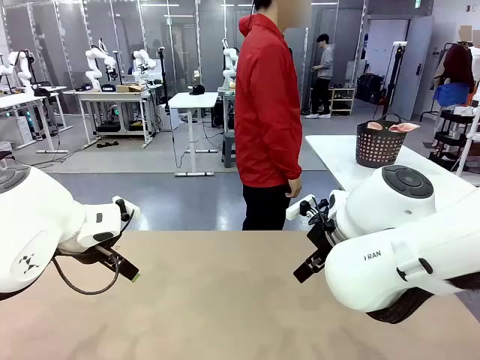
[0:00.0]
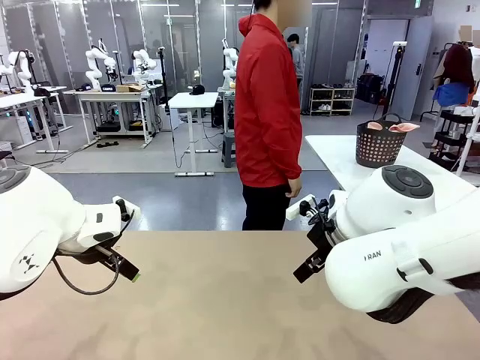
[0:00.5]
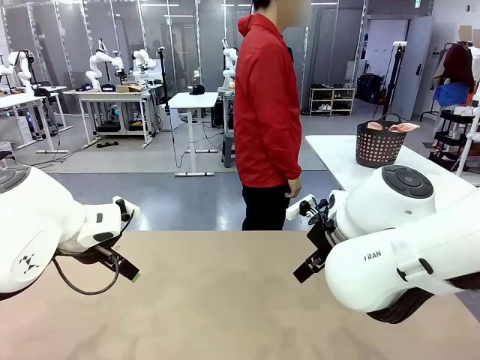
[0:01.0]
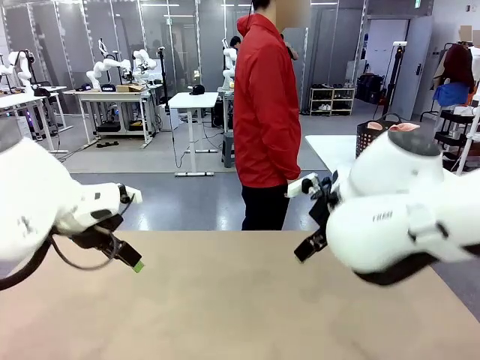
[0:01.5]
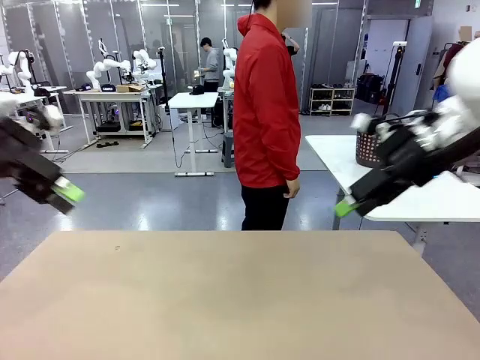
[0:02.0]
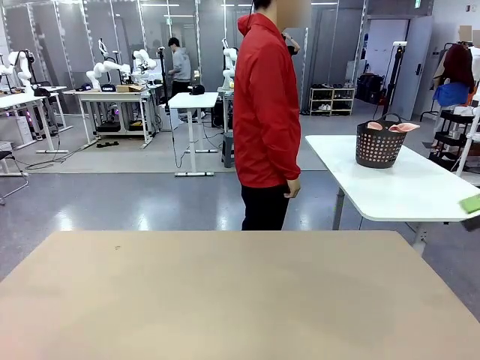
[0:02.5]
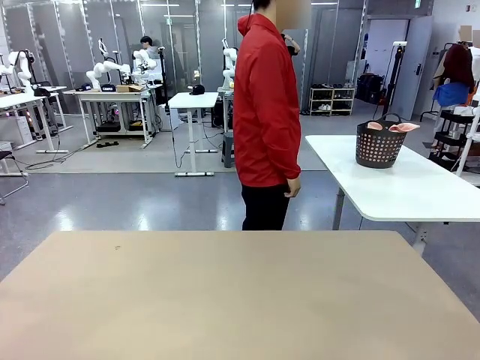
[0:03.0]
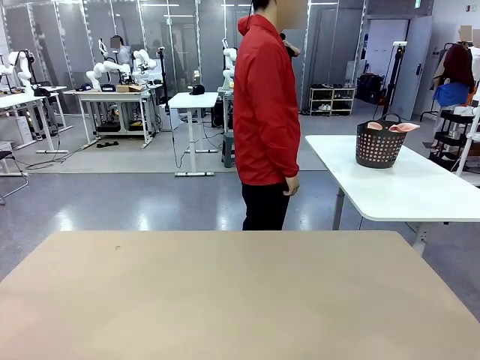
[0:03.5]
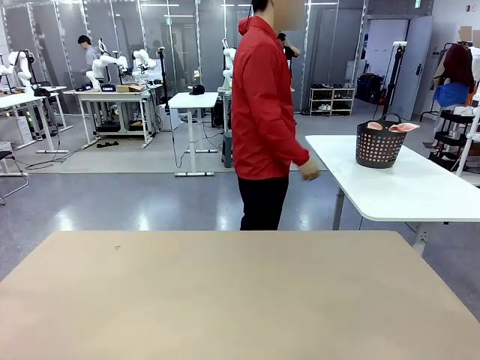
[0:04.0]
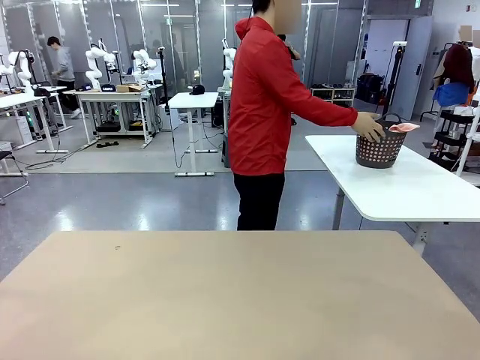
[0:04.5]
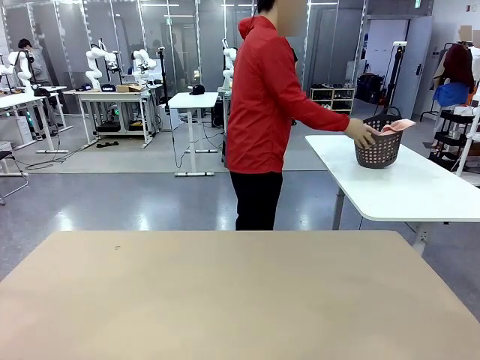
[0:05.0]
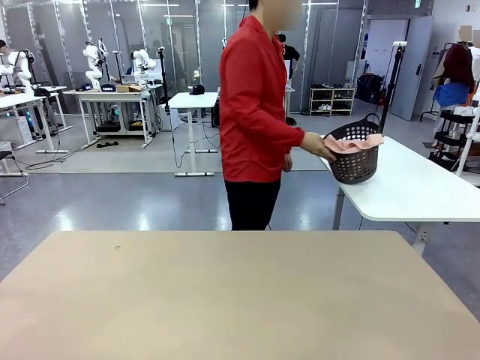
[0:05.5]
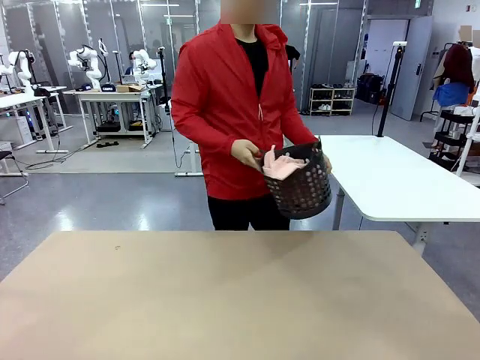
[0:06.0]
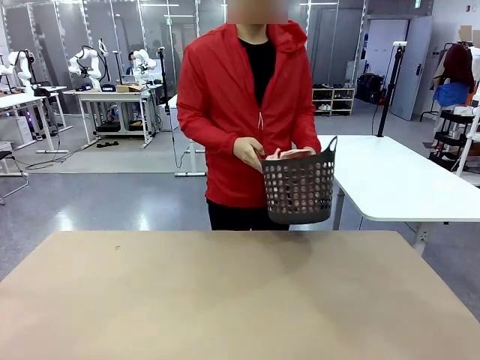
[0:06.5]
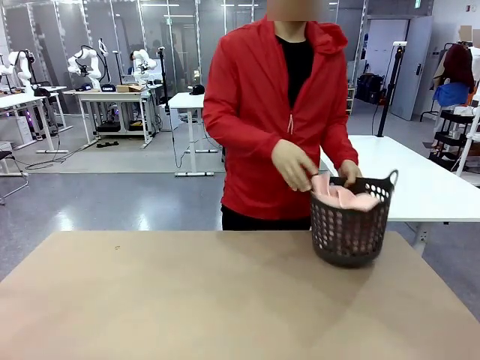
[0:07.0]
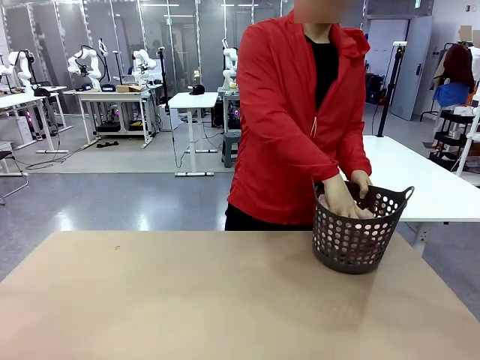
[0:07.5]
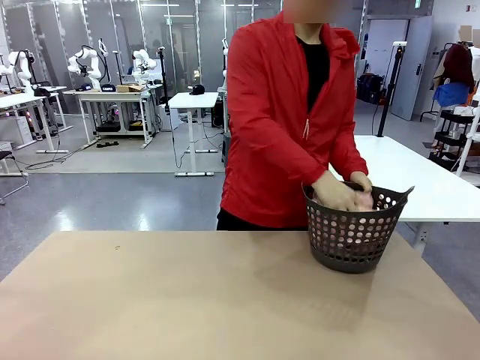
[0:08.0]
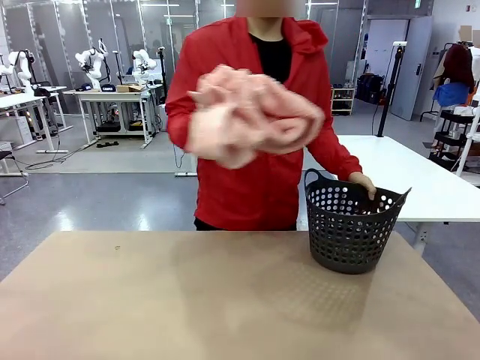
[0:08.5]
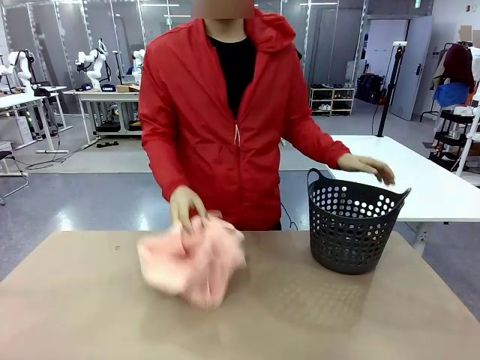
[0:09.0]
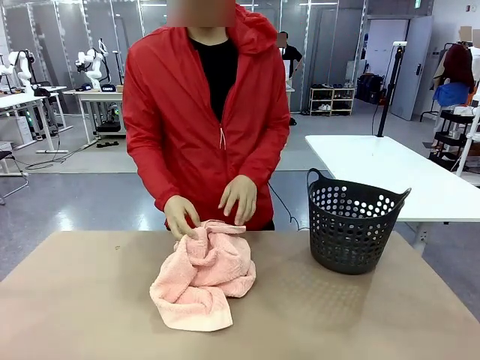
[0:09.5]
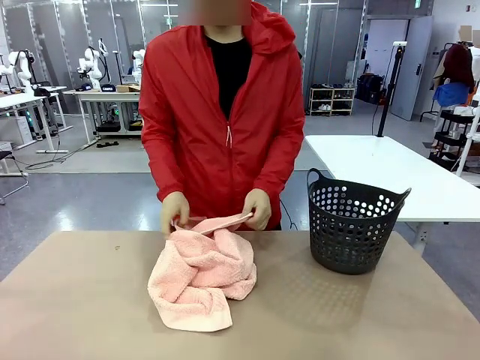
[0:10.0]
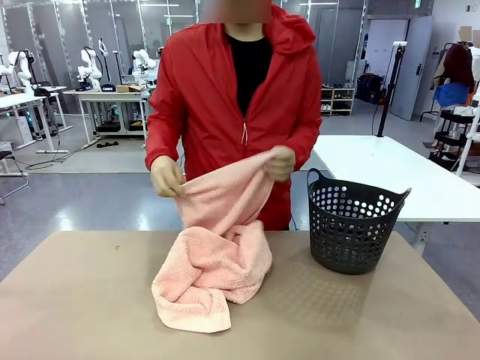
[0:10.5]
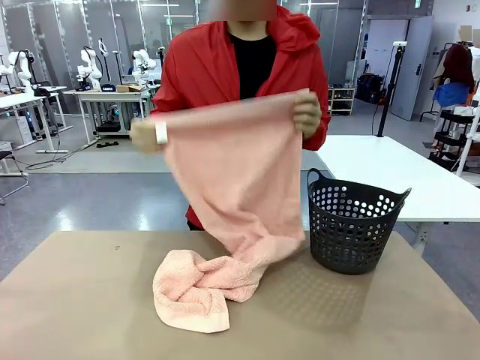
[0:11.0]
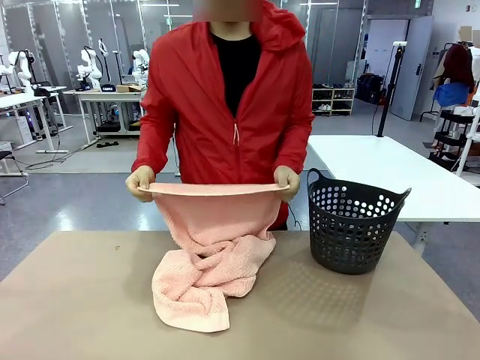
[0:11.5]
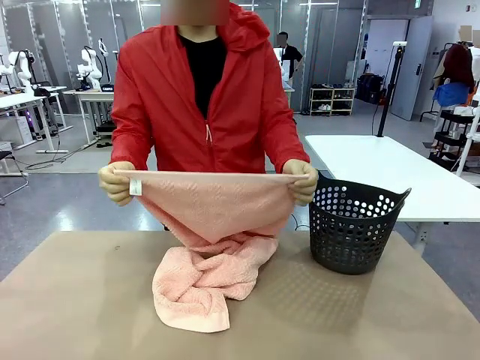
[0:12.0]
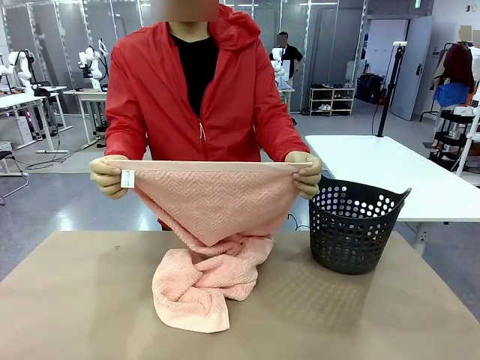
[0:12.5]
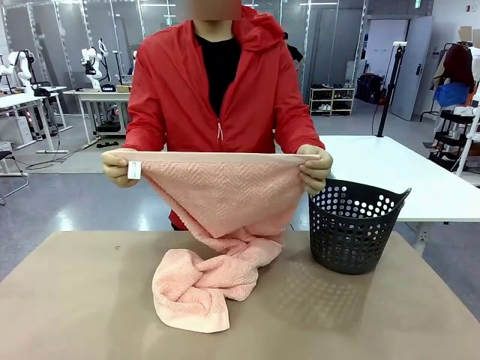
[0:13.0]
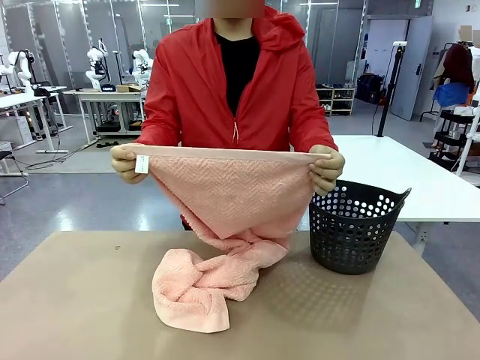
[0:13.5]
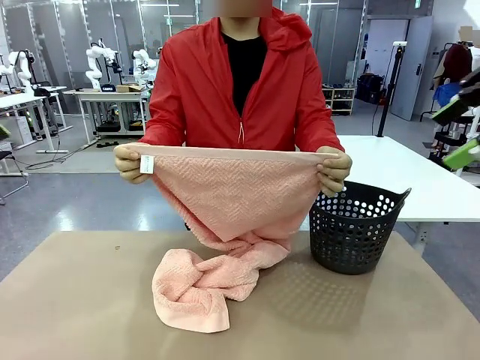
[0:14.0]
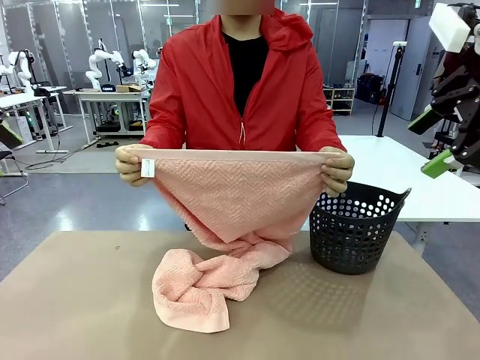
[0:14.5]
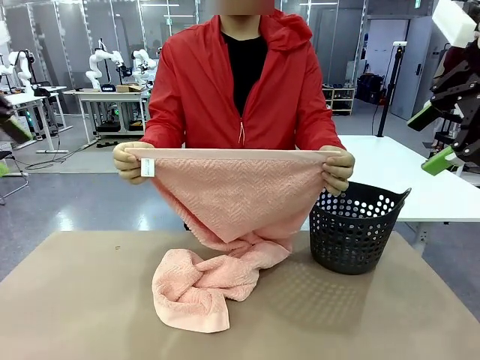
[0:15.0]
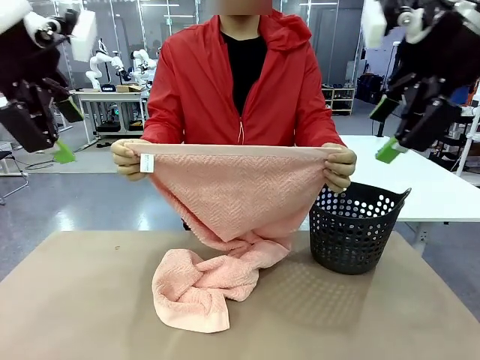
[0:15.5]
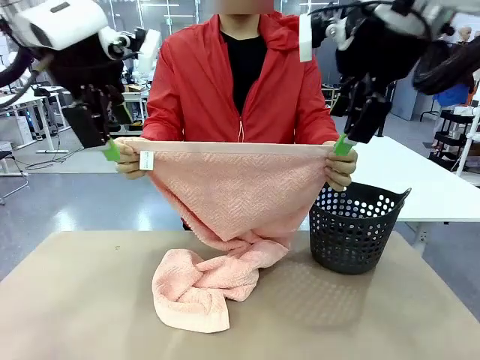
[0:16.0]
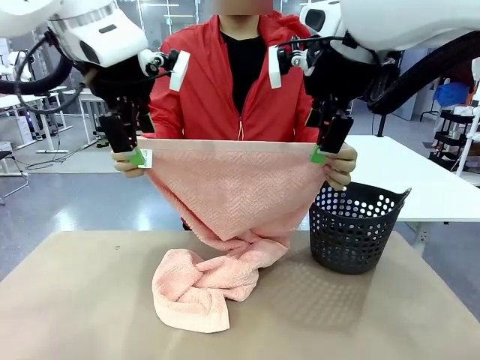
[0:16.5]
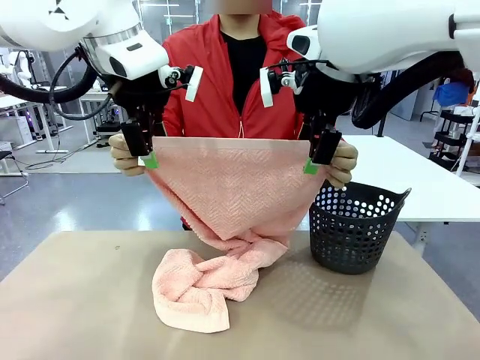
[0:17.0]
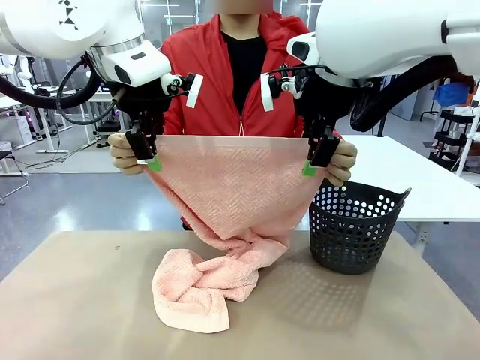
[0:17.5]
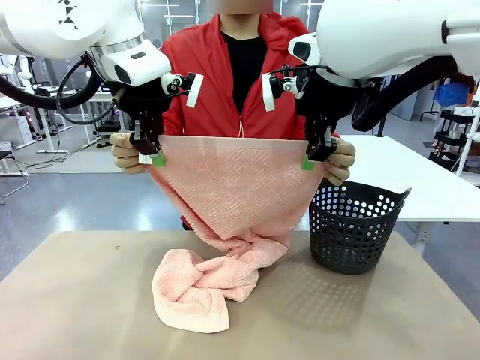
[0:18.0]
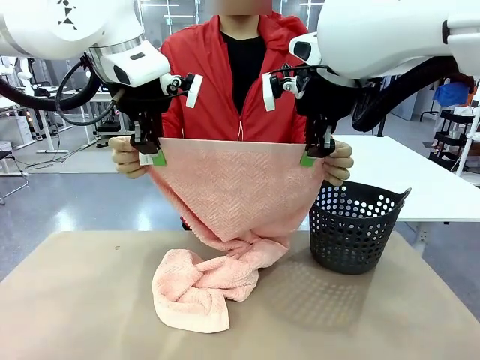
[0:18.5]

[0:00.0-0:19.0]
Task: Fold the towel.
Robot: Grab the top end of the 100 cm Hotel Towel extended by the human.
Person: Pick up the laundry basket, place it on the left side of the robot table, then take out a towel and hand it to the robot while holding both corners of one end.
